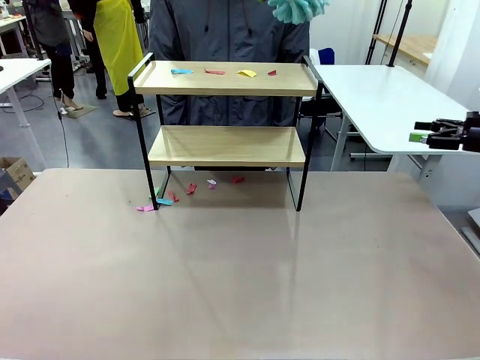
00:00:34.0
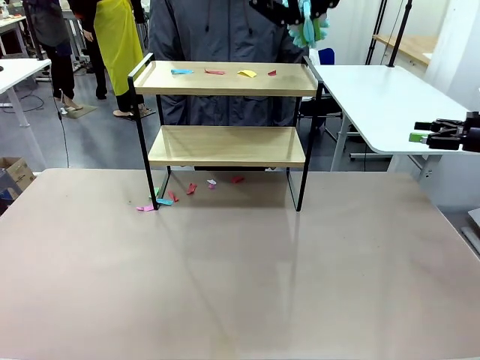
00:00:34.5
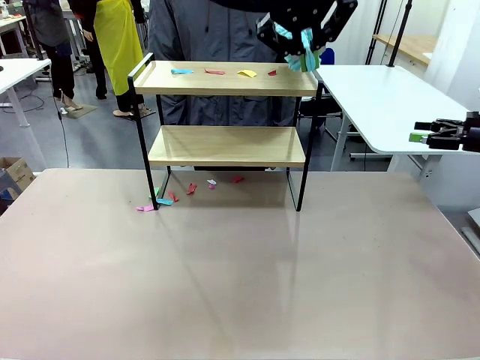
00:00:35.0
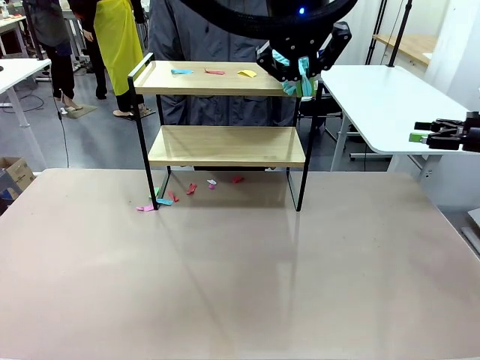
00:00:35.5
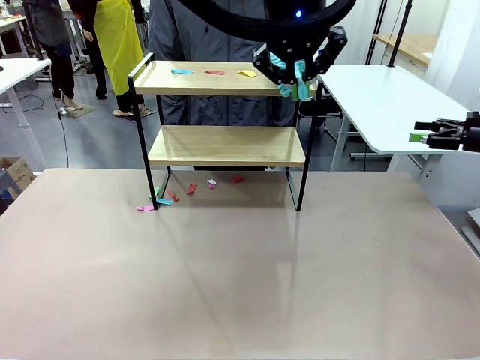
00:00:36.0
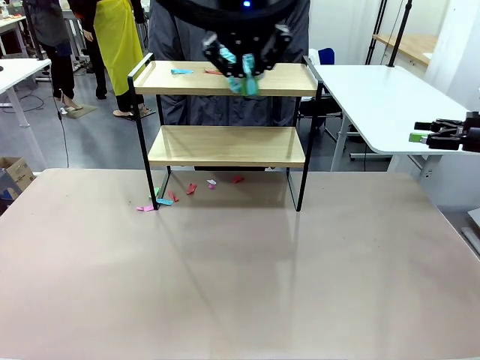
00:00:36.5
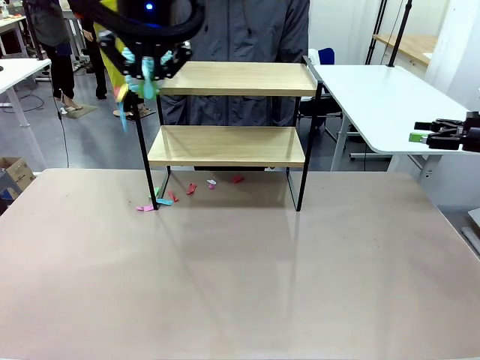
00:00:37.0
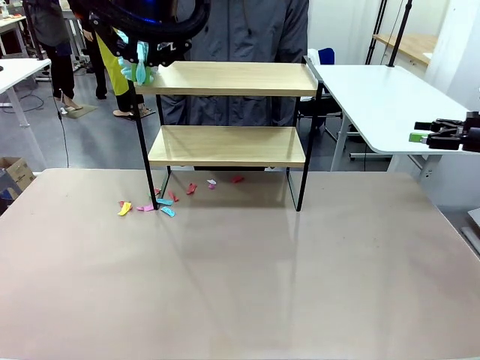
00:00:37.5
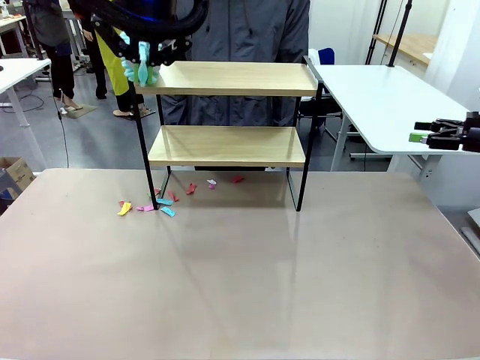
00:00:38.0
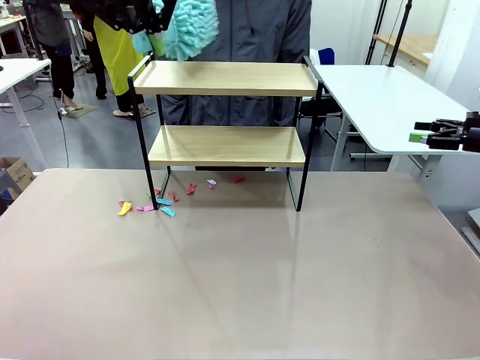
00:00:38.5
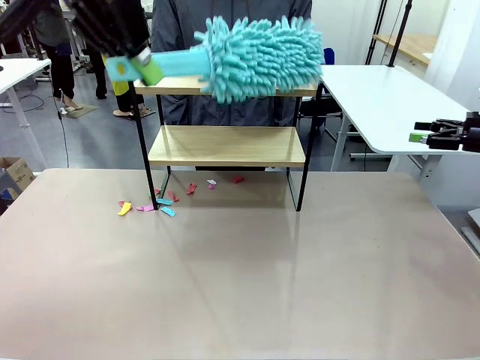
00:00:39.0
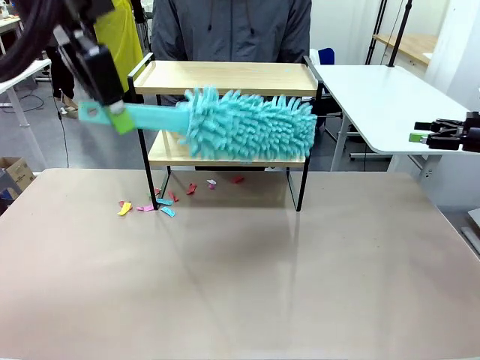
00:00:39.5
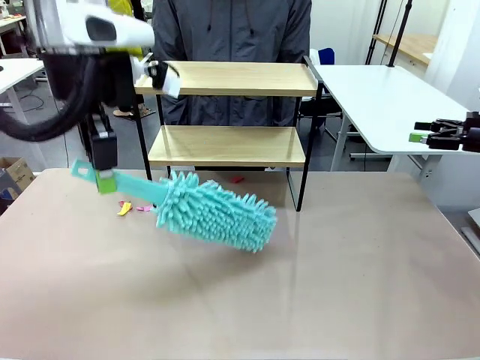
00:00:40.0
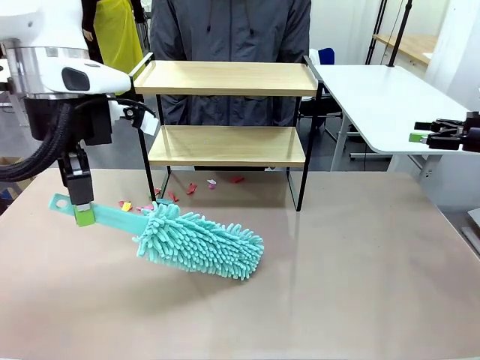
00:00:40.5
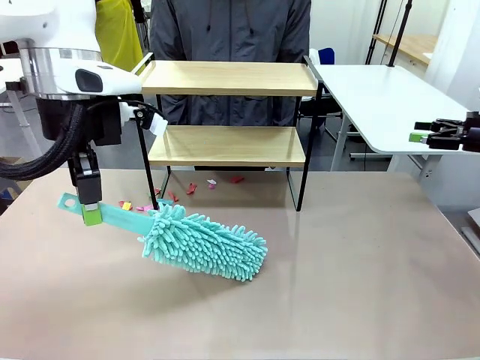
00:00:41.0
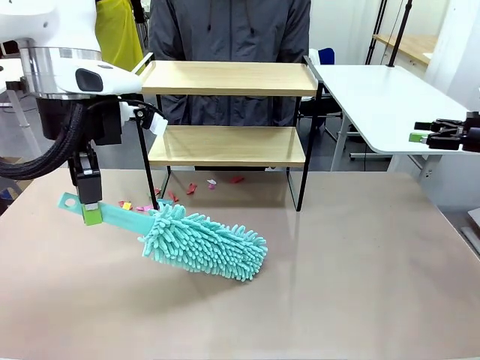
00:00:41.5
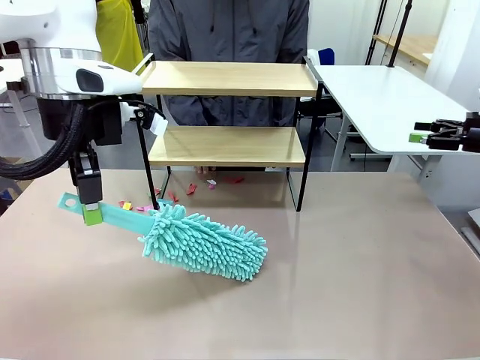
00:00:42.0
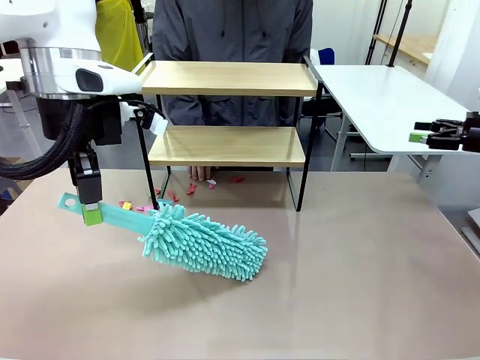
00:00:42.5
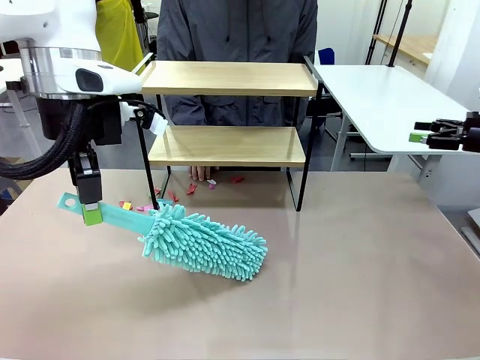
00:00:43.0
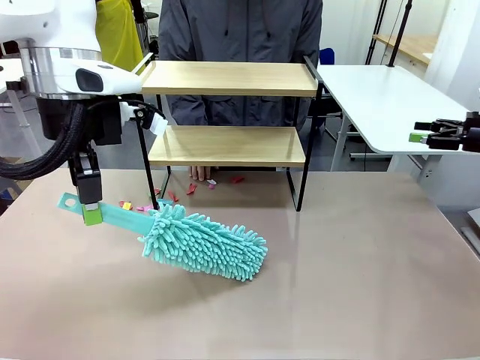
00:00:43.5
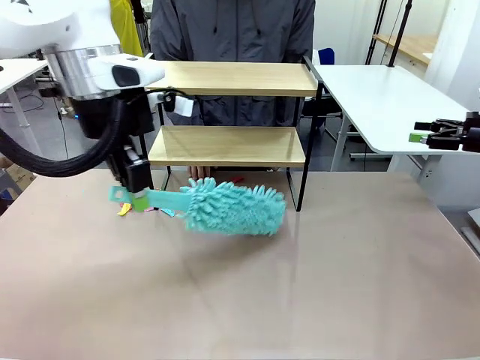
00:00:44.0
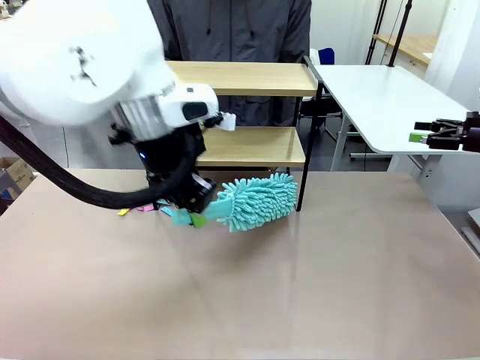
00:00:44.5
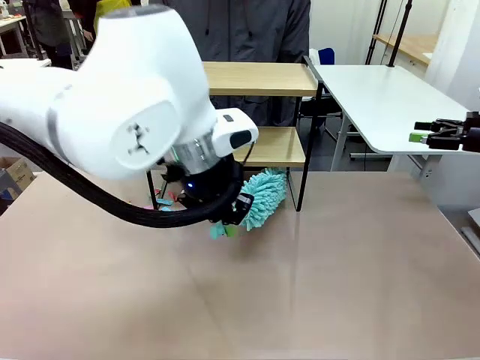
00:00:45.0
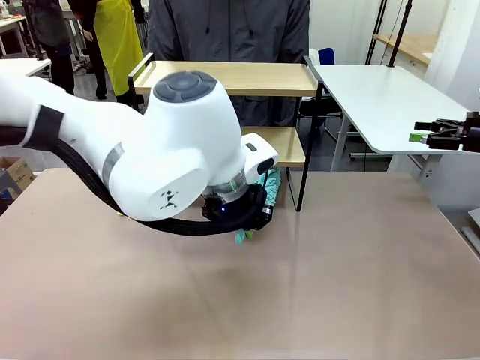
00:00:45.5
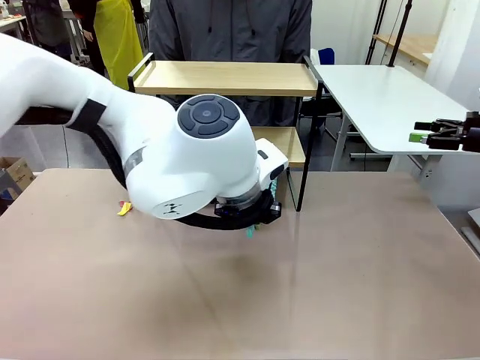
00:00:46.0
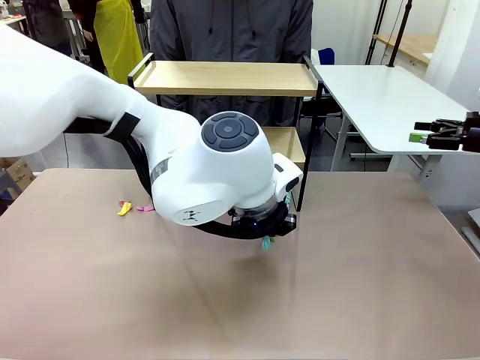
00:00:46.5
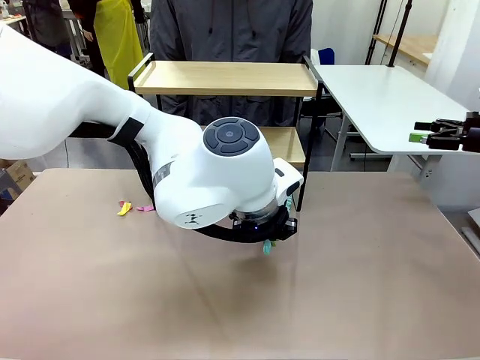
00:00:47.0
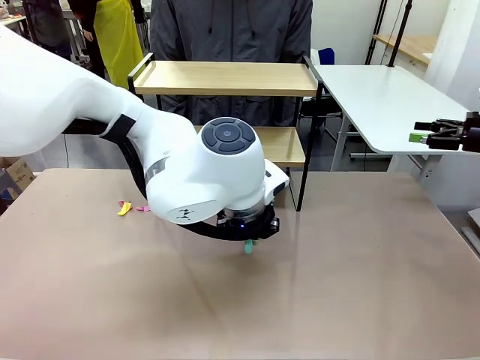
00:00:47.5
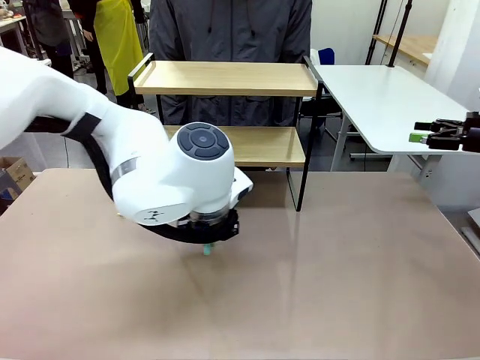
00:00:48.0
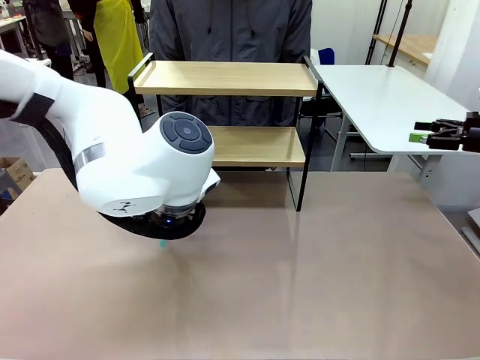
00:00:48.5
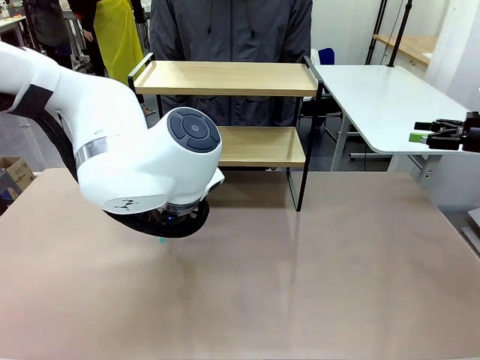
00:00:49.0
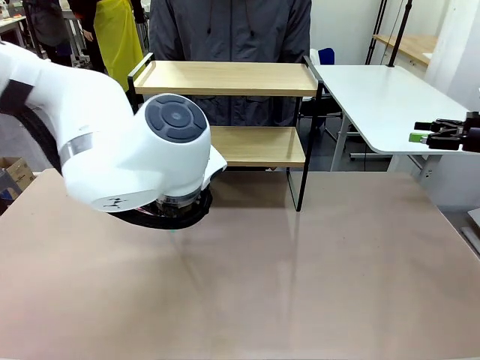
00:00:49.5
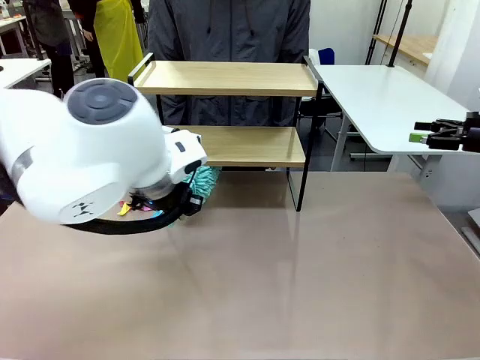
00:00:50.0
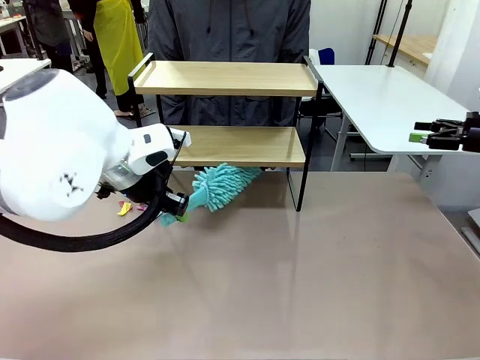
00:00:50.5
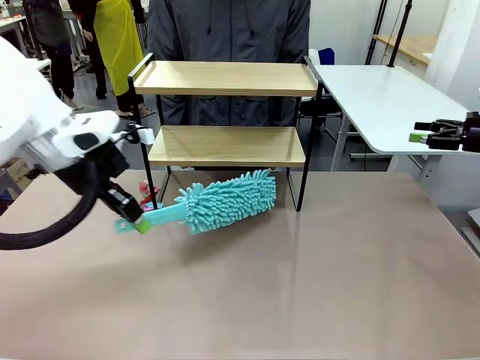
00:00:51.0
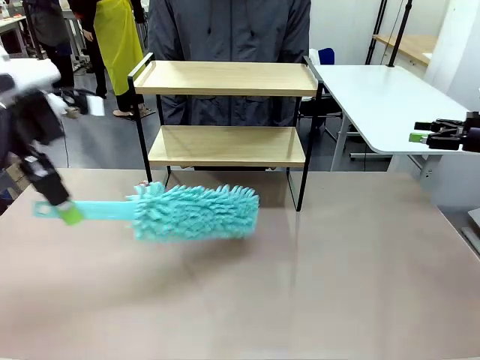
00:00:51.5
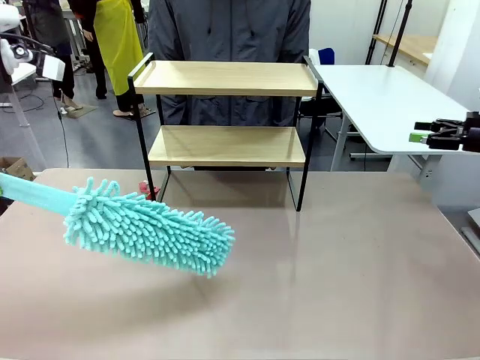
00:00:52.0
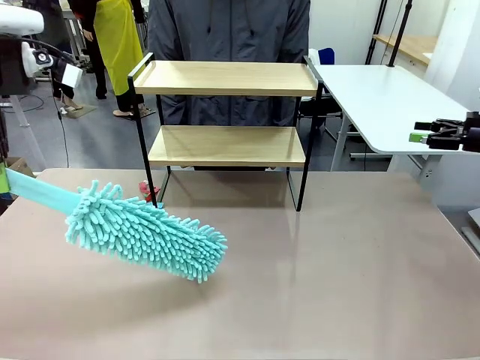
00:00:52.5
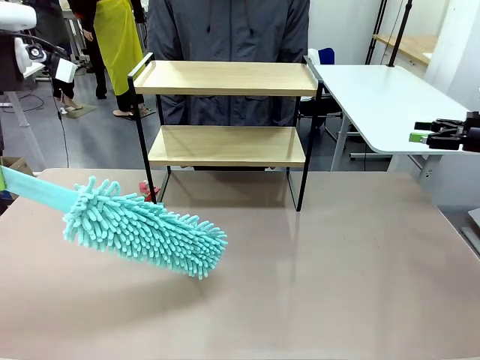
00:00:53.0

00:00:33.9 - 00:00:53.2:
Task: Clean the shelf.
Robot: Clean the specific section of the Shelf indicated by the human with the Duster.
Person: Point a remaining section of the Shelf.

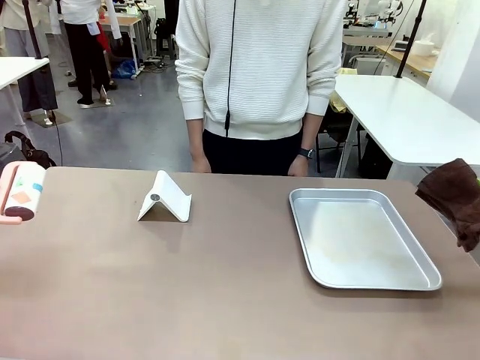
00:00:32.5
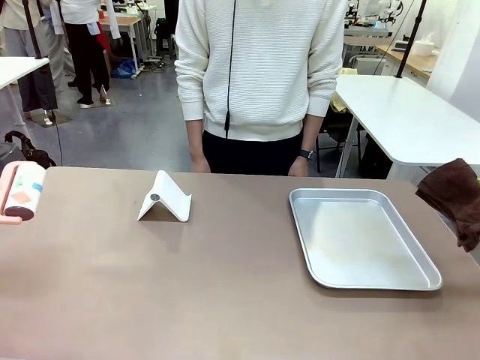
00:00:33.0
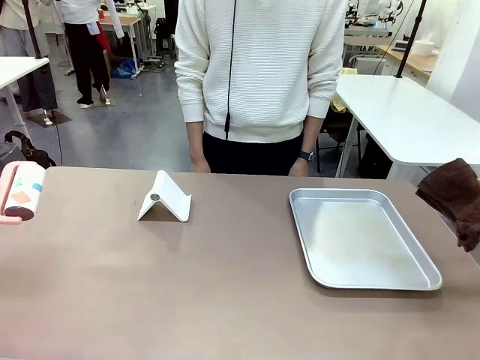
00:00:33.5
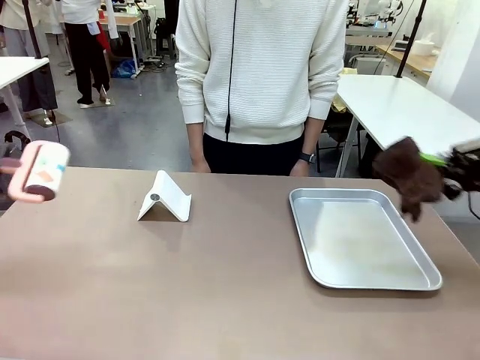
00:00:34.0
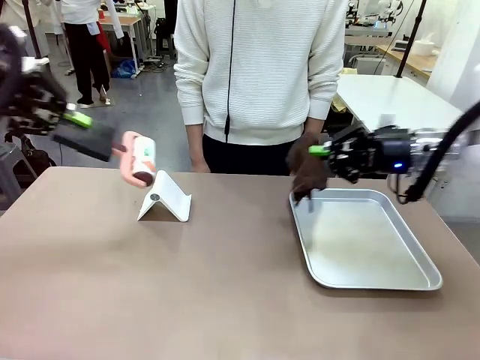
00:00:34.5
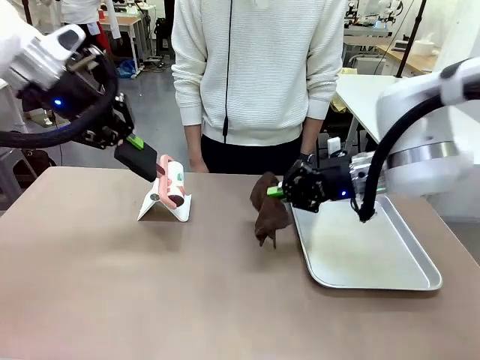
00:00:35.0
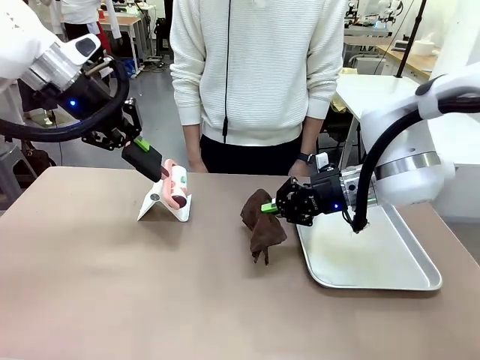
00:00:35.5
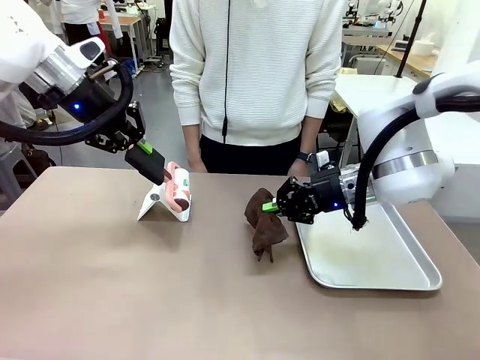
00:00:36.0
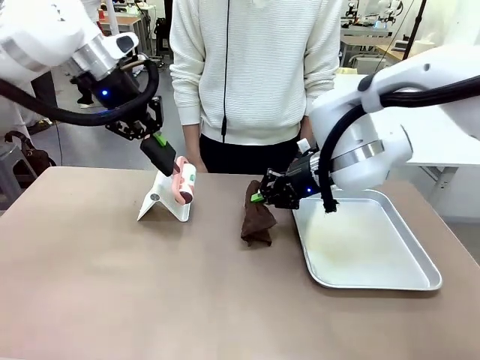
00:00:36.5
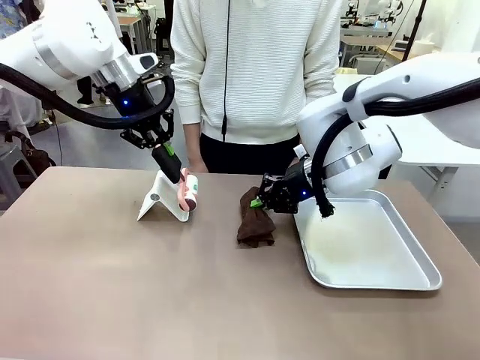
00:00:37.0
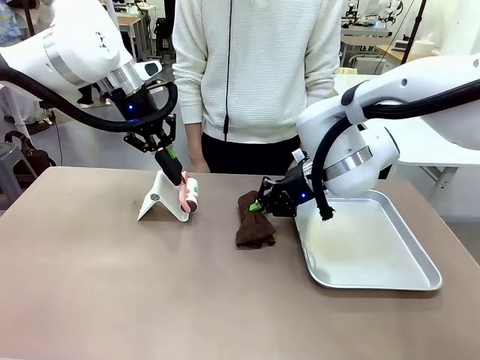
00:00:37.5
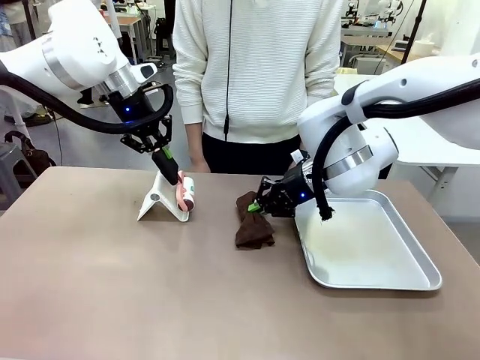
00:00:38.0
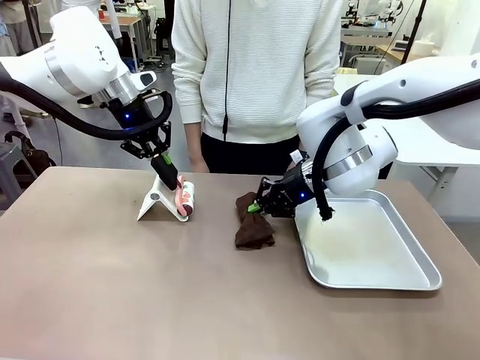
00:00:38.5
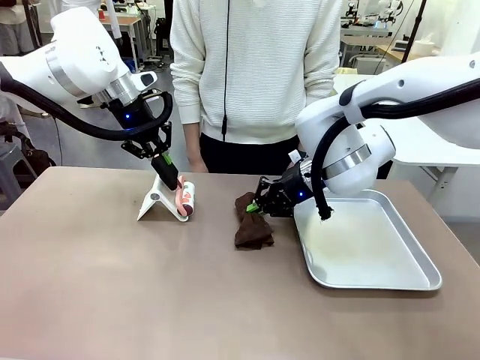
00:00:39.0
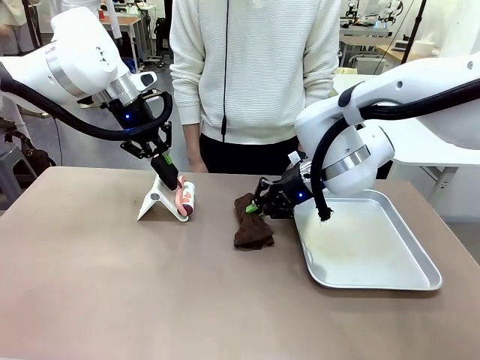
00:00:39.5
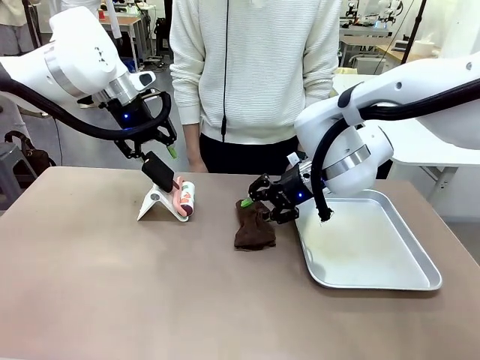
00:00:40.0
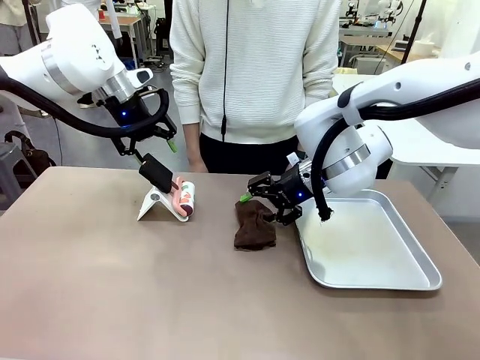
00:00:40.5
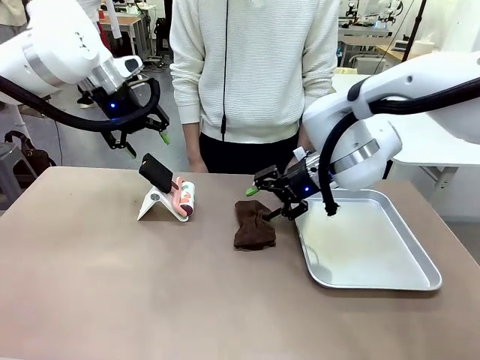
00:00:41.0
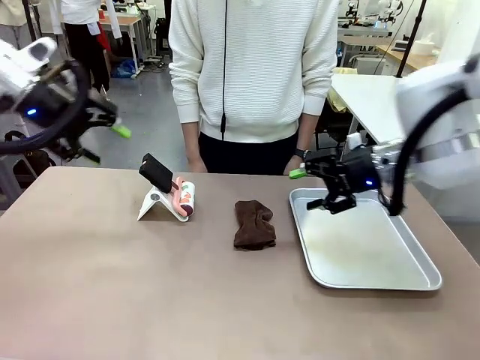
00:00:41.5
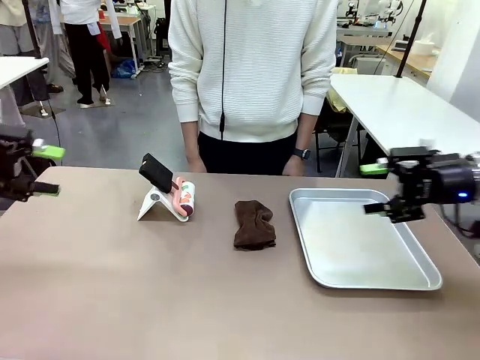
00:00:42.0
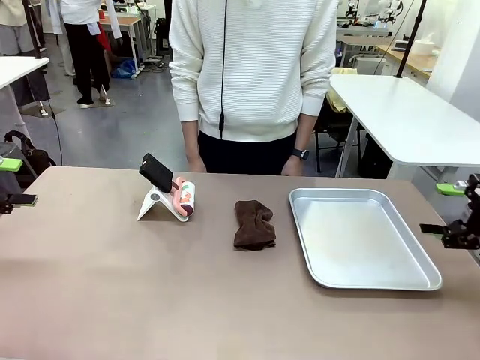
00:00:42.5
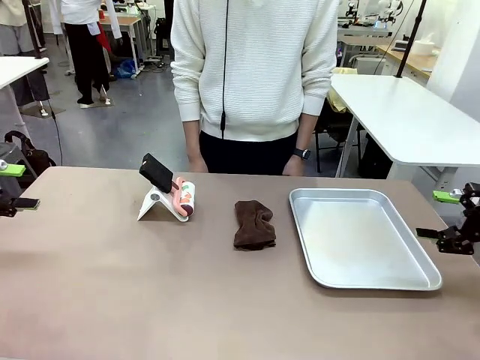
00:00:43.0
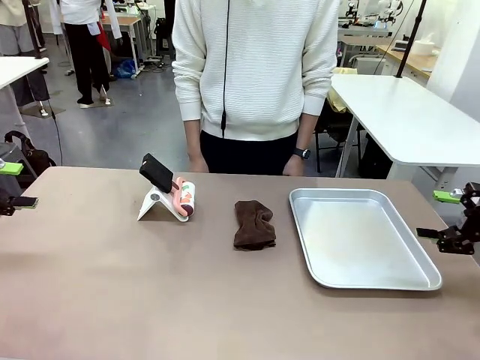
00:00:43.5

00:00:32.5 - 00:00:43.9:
Task: Clean the surface of the table.
Robot: Return the Lint Roller and towel to their original positions.
